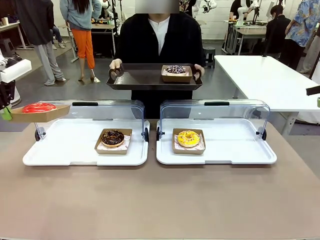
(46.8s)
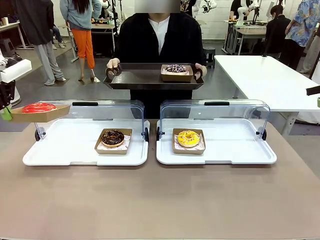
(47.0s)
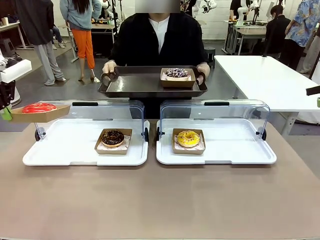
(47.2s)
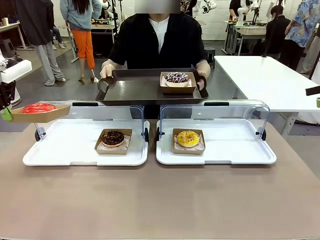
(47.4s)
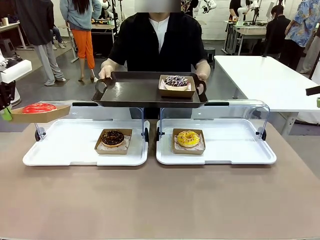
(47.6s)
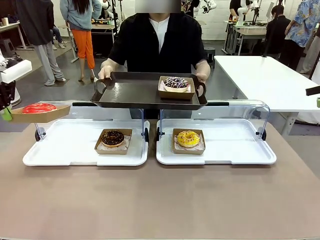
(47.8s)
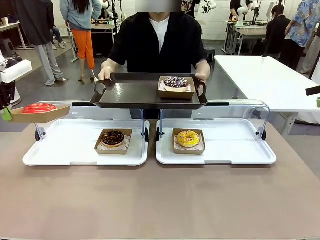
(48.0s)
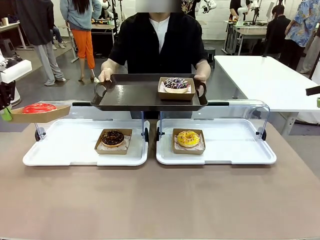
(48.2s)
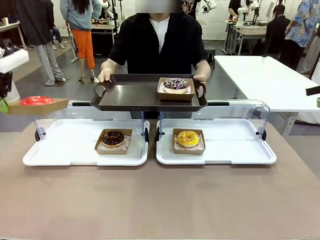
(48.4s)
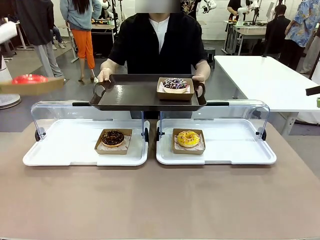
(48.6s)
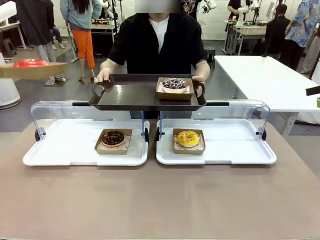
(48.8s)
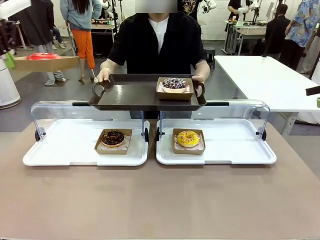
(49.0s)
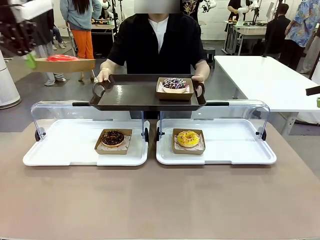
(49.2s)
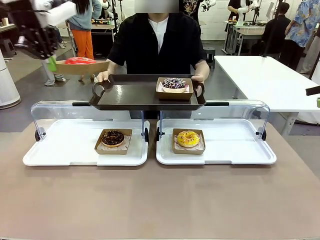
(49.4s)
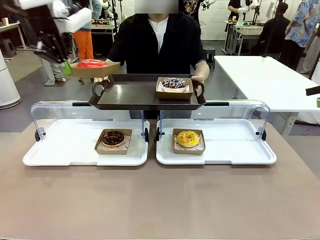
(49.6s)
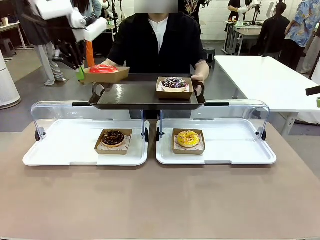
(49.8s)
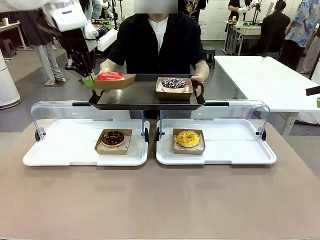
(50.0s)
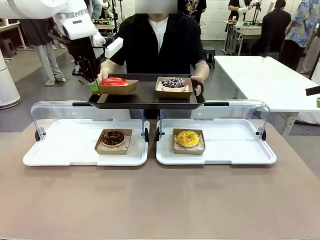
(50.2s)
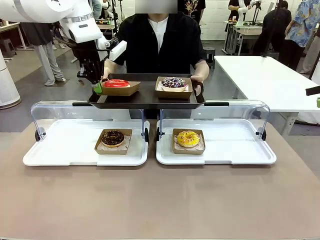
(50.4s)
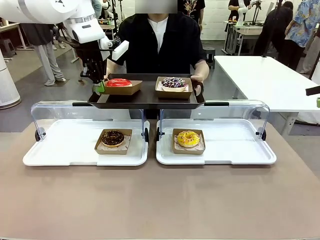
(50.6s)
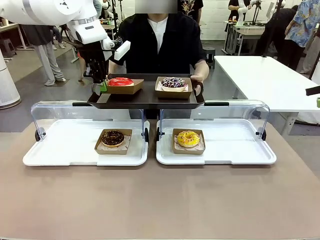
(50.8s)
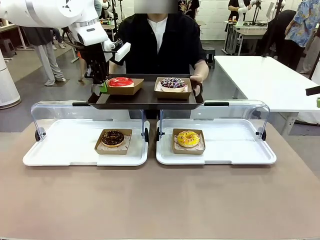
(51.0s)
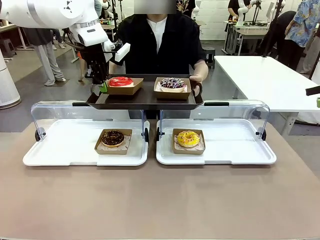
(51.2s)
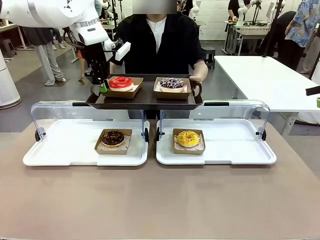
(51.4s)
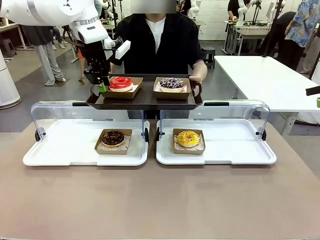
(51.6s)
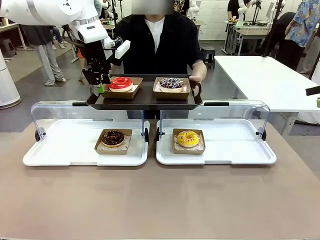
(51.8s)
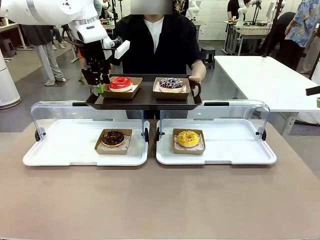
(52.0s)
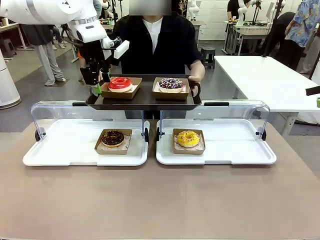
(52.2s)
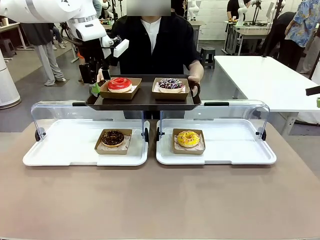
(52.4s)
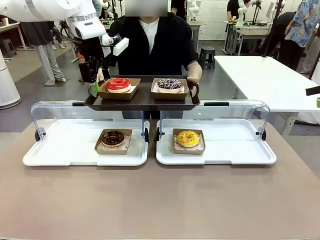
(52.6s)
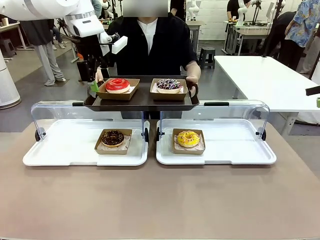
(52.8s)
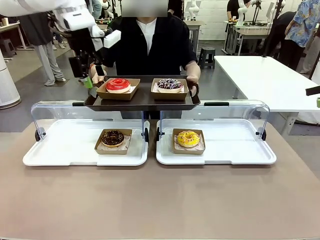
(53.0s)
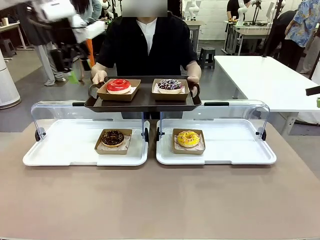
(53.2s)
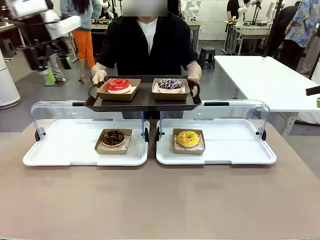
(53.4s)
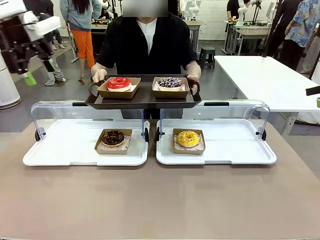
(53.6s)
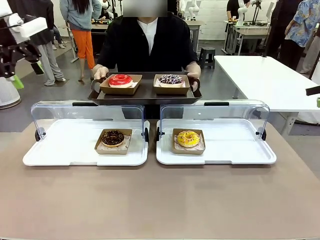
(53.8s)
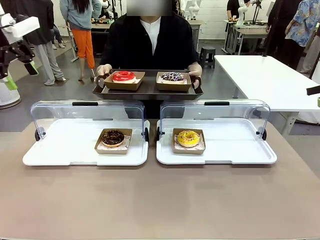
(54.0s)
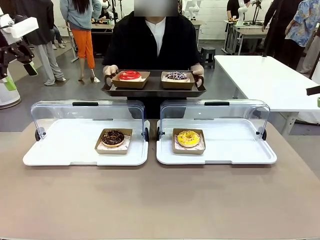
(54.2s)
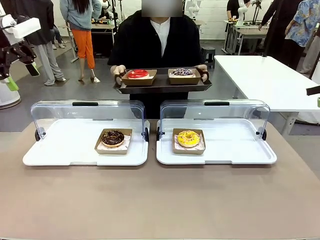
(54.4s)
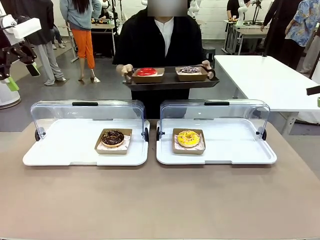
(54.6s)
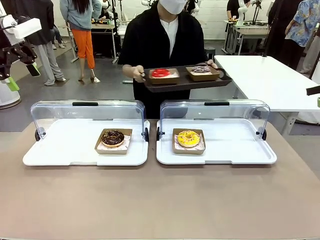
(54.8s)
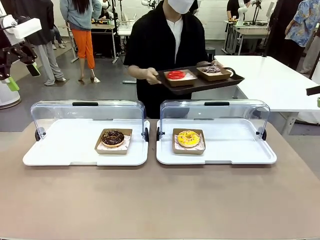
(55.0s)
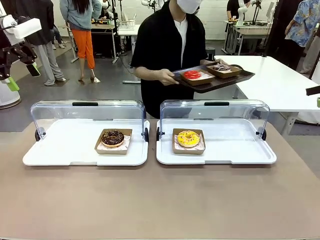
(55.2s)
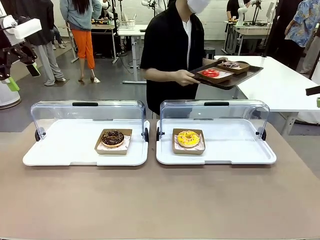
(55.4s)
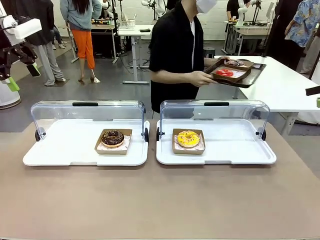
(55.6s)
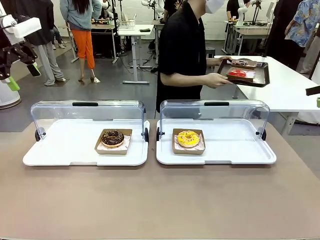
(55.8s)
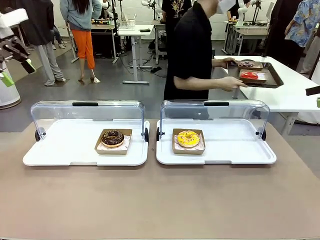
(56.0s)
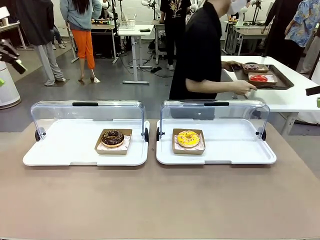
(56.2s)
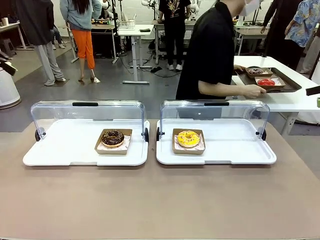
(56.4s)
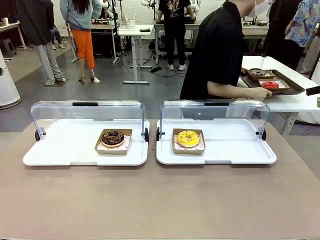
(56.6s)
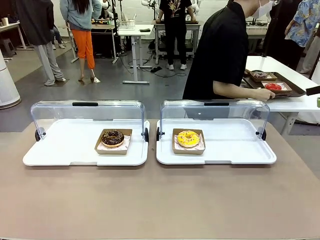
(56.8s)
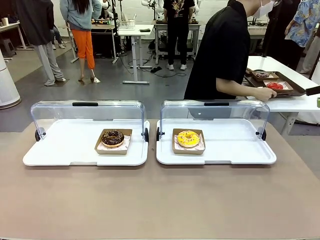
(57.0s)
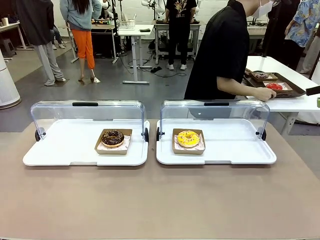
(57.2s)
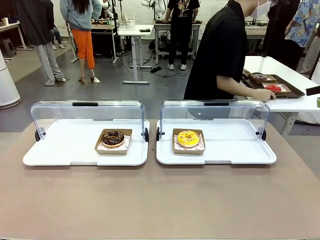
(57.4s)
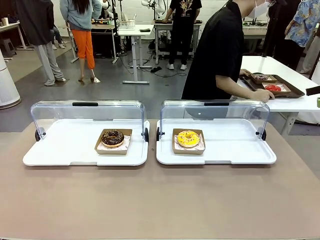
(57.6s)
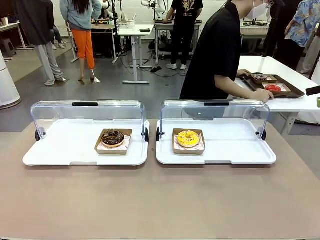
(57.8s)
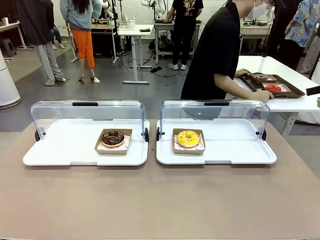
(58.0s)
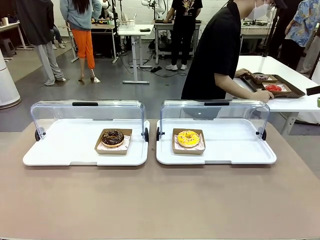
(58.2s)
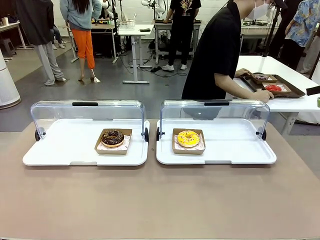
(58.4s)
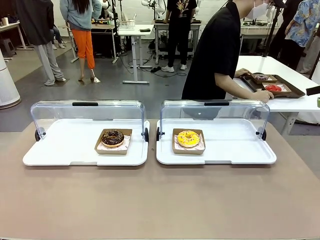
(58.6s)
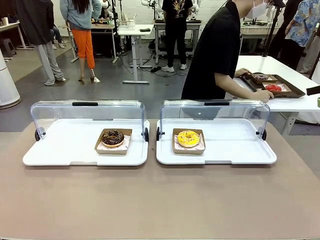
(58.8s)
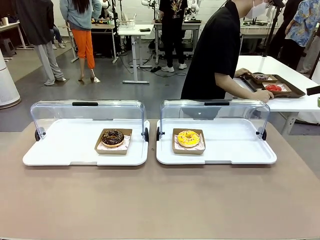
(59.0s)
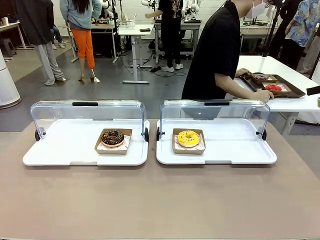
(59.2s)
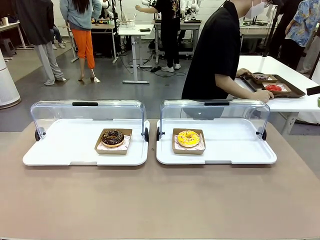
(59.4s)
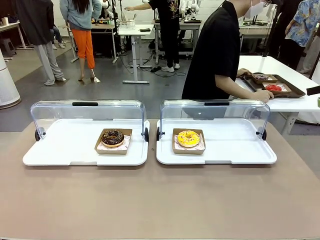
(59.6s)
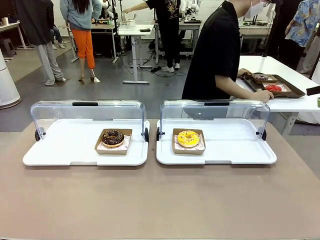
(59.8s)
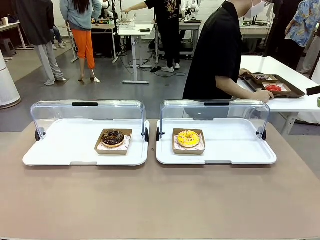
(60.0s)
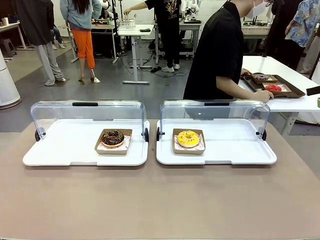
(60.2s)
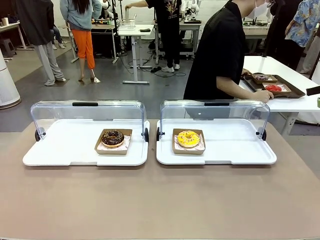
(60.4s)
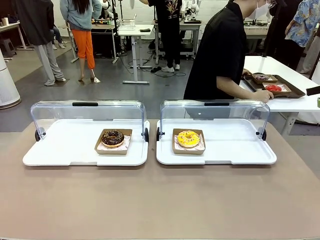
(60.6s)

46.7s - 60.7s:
Task: Provide the desired donut to the person.
Robot: Place the picked Paper togo box onto the Handle tray extended by the person.
Person: Place the tray in the middle of the human table.
